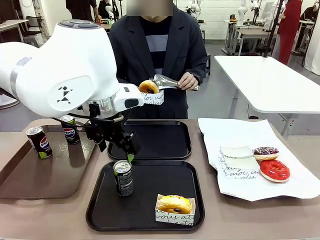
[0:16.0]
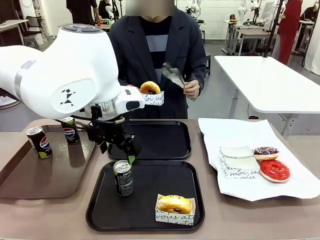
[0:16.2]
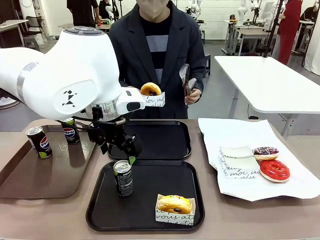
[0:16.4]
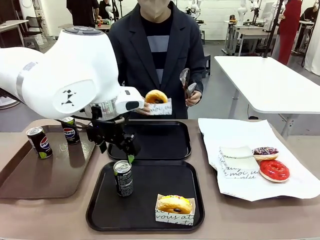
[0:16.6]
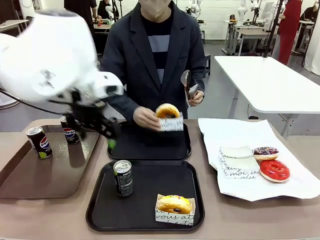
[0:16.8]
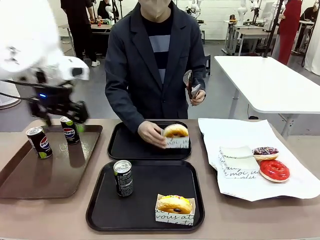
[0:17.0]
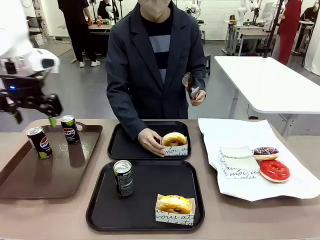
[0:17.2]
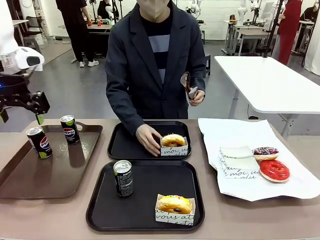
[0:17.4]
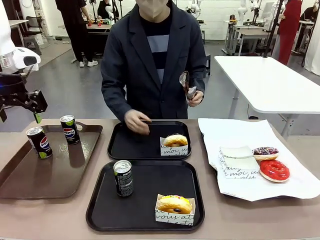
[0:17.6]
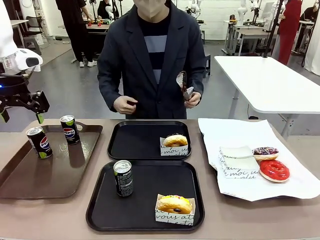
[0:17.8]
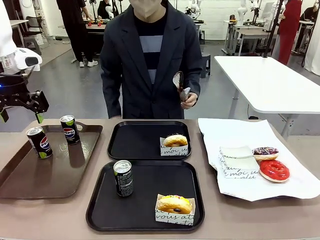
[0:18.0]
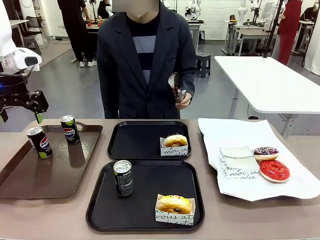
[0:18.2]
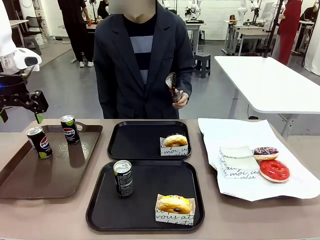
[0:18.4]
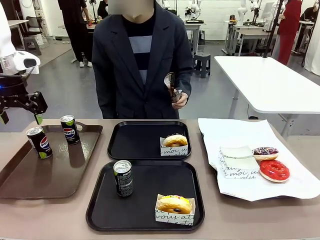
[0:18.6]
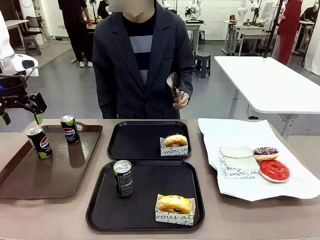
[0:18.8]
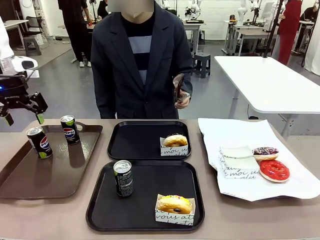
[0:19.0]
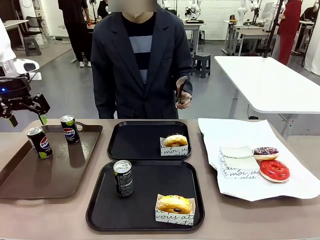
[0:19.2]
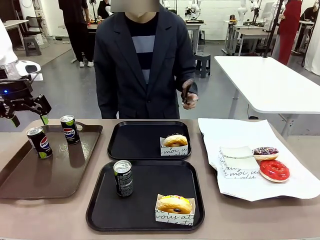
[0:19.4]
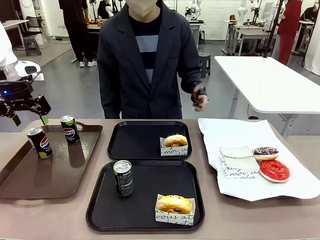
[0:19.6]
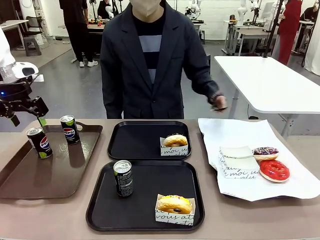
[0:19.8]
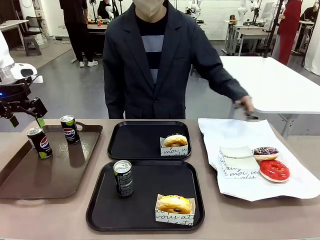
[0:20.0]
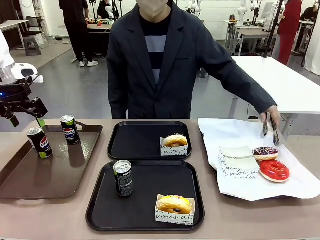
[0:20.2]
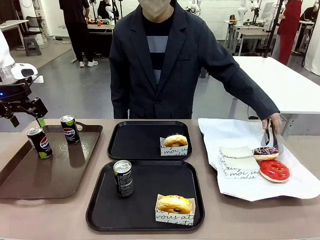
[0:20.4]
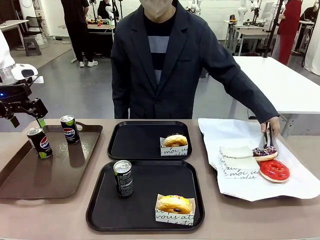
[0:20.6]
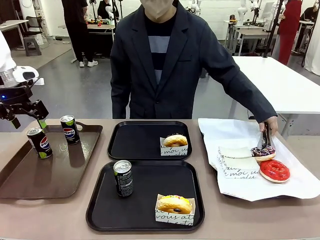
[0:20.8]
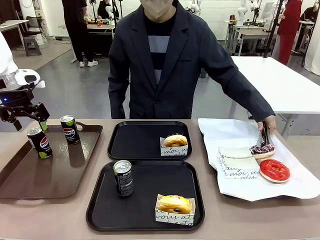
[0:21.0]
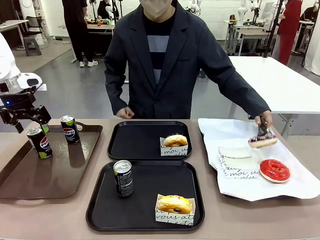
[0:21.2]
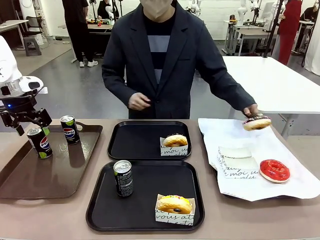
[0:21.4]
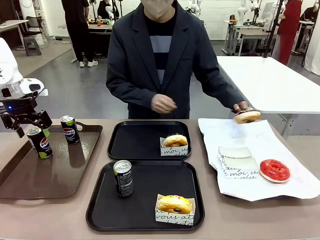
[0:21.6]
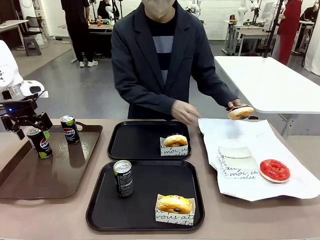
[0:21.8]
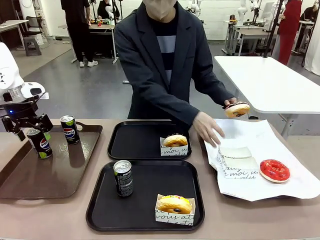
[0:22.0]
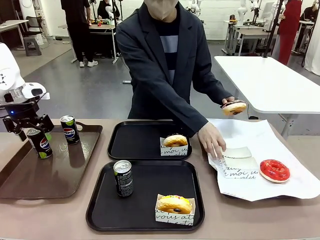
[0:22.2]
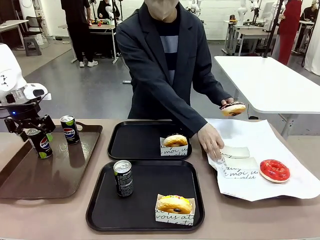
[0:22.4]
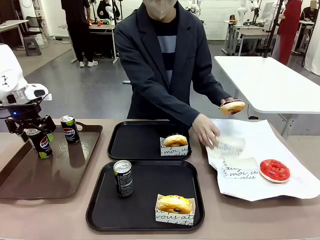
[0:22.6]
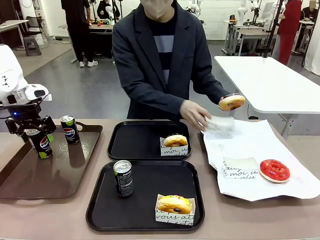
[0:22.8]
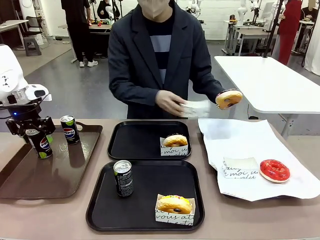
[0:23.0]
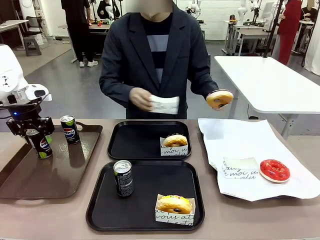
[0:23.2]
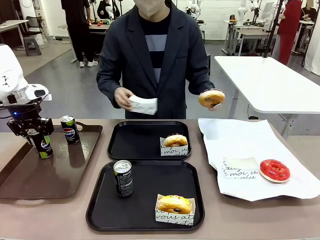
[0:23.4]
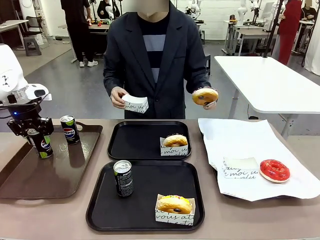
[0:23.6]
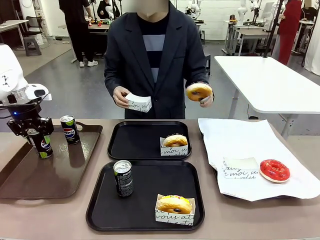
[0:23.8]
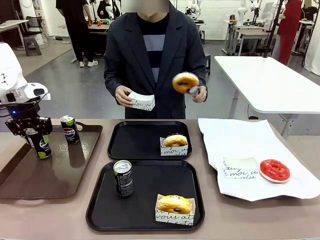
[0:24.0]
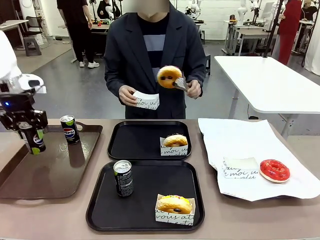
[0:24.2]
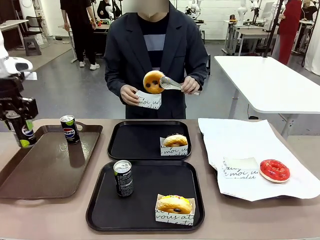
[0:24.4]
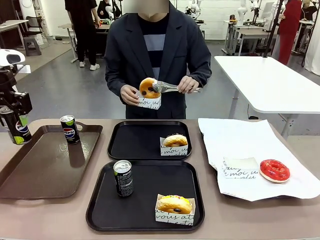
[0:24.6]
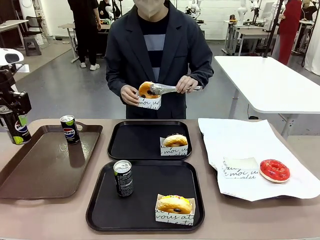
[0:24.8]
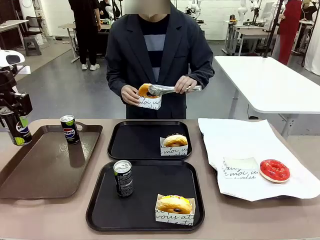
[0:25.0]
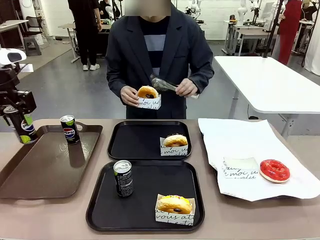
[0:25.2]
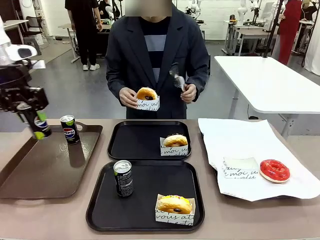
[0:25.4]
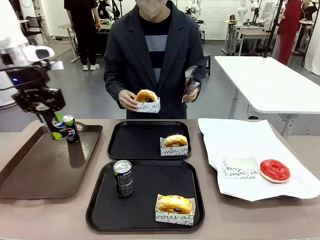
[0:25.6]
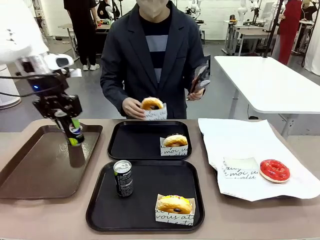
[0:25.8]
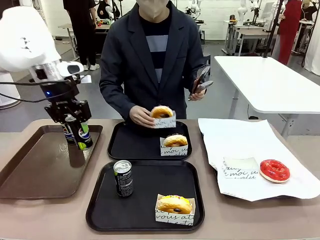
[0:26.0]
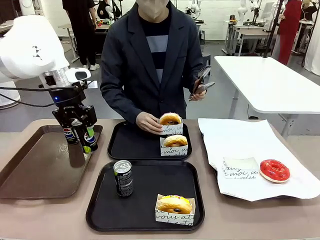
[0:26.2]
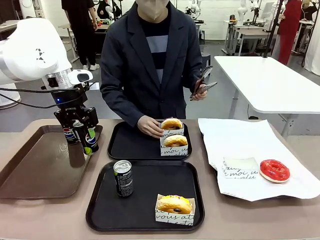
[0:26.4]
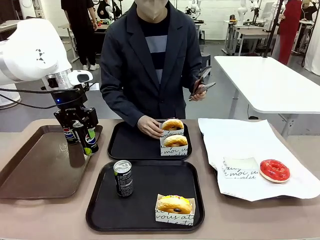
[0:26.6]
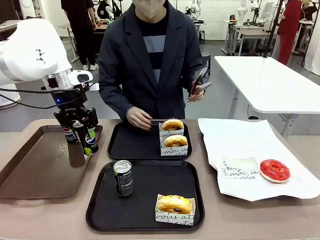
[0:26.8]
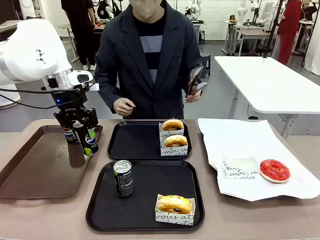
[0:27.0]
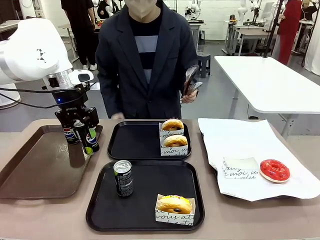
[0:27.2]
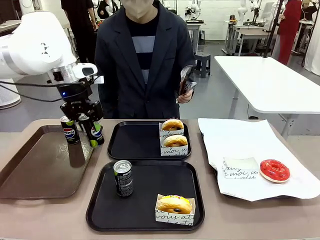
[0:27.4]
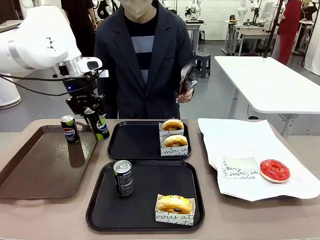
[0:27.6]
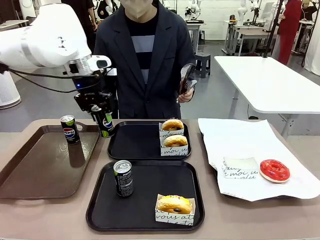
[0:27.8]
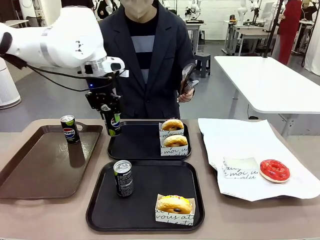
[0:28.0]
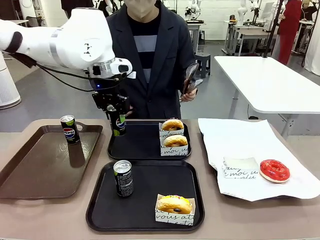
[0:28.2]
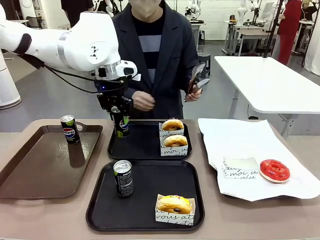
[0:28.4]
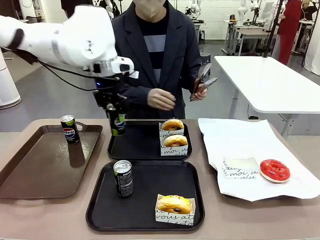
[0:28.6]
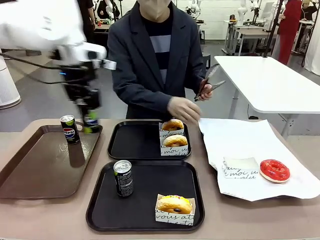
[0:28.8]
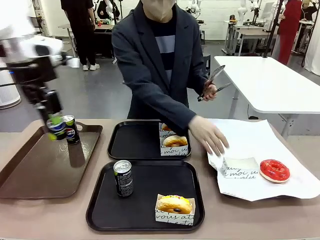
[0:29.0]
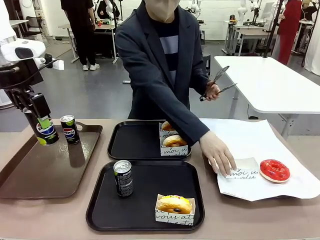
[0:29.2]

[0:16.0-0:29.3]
Task: Set up donuts and drinks on trays.
Robot: Pick up one Pepsi coke from the Handle tray and place it on the Flat Tray without a Pepsi coke.

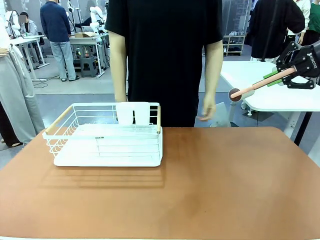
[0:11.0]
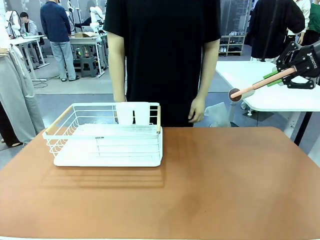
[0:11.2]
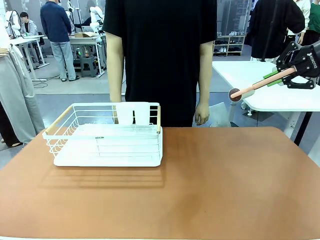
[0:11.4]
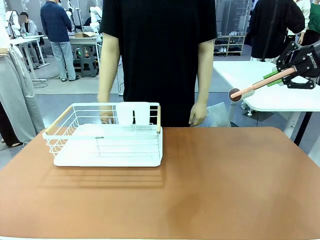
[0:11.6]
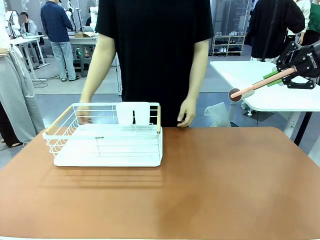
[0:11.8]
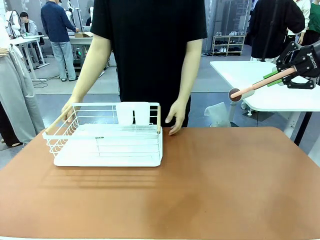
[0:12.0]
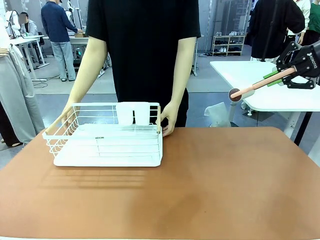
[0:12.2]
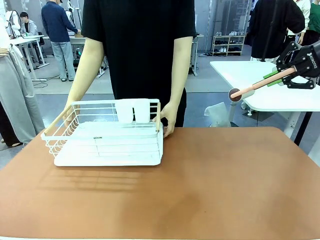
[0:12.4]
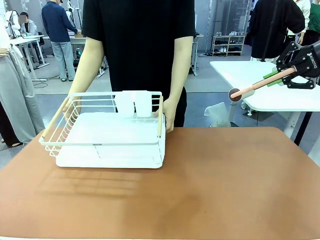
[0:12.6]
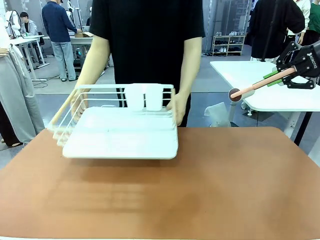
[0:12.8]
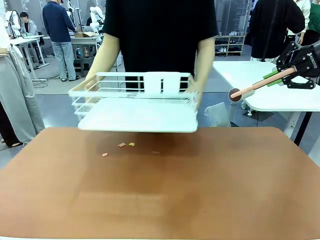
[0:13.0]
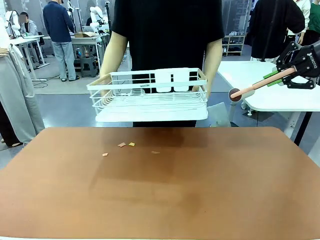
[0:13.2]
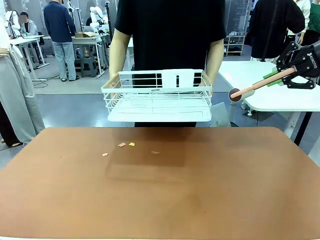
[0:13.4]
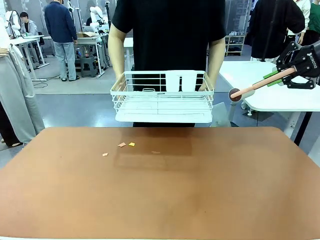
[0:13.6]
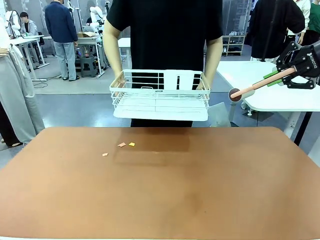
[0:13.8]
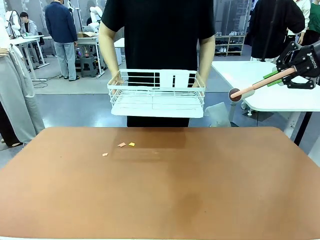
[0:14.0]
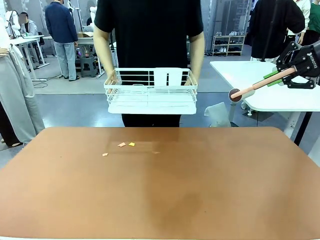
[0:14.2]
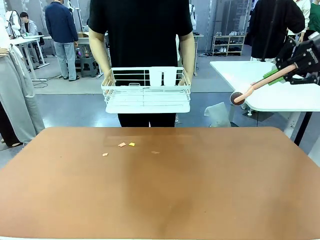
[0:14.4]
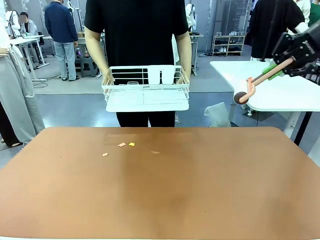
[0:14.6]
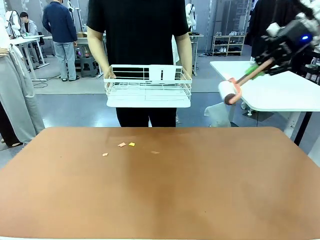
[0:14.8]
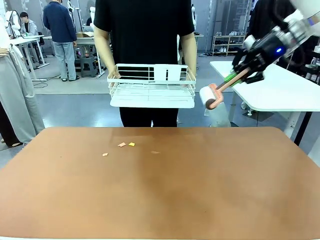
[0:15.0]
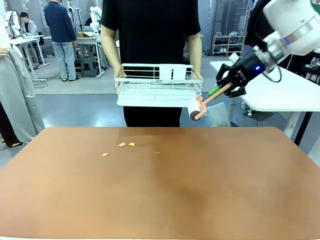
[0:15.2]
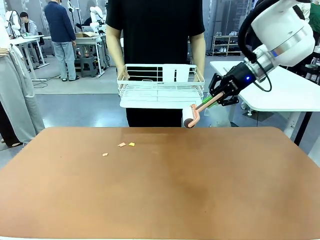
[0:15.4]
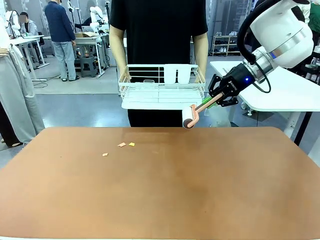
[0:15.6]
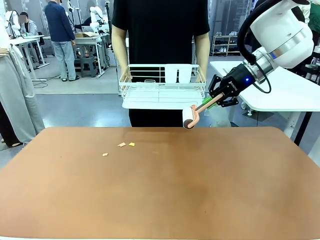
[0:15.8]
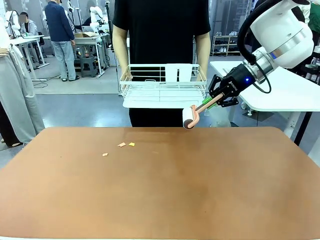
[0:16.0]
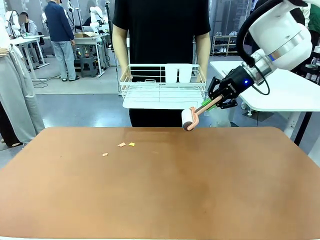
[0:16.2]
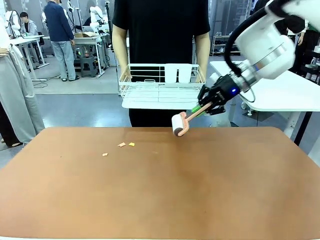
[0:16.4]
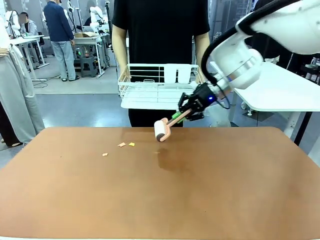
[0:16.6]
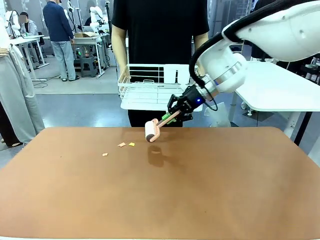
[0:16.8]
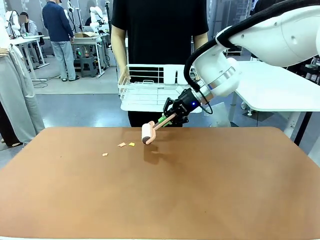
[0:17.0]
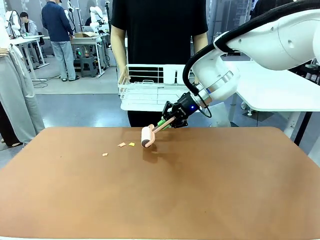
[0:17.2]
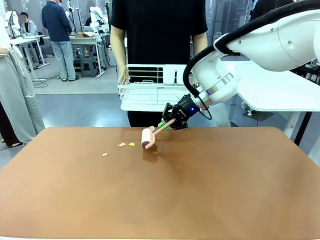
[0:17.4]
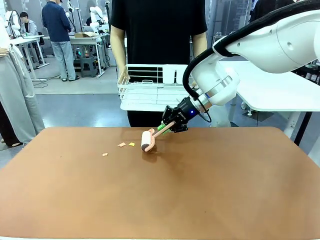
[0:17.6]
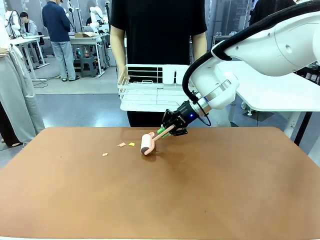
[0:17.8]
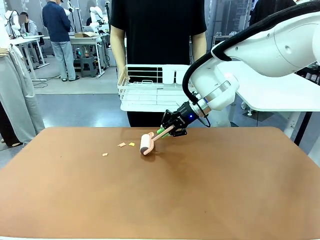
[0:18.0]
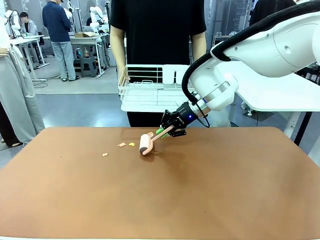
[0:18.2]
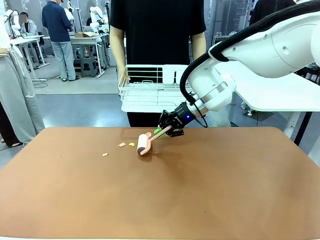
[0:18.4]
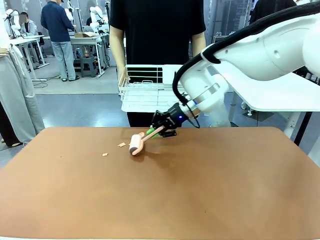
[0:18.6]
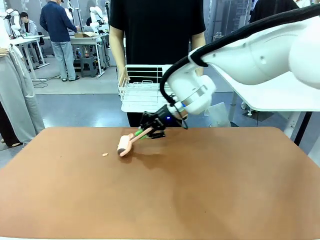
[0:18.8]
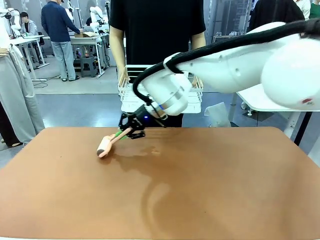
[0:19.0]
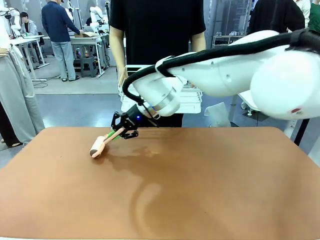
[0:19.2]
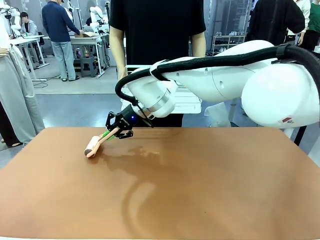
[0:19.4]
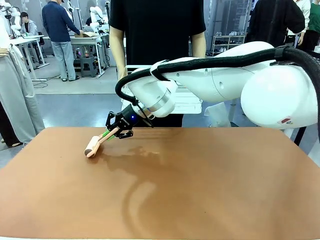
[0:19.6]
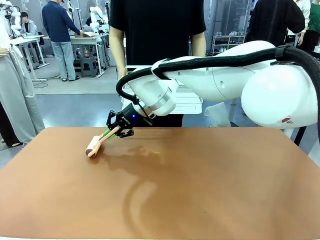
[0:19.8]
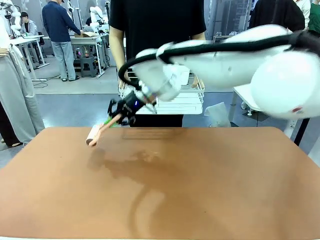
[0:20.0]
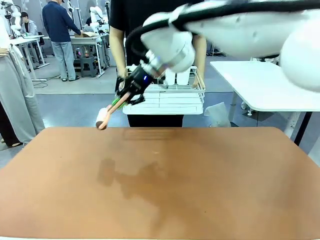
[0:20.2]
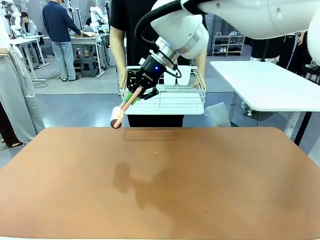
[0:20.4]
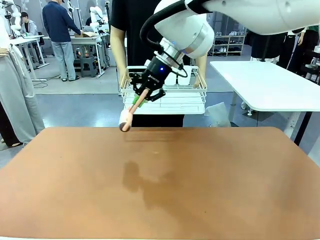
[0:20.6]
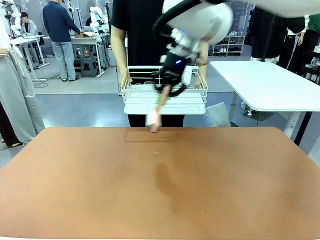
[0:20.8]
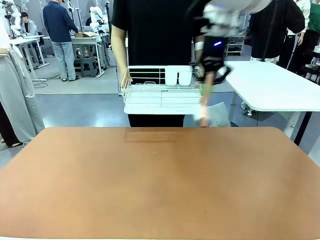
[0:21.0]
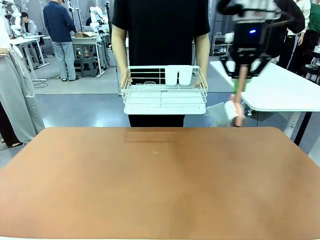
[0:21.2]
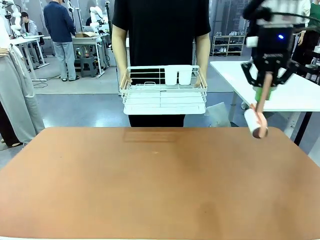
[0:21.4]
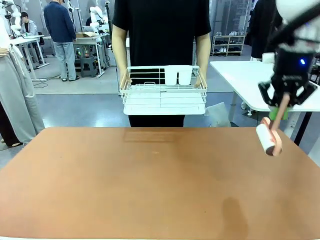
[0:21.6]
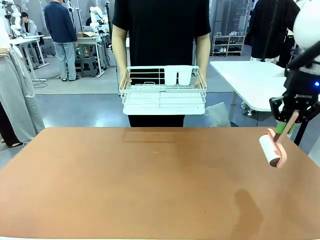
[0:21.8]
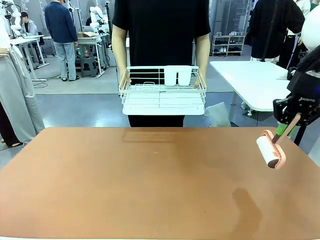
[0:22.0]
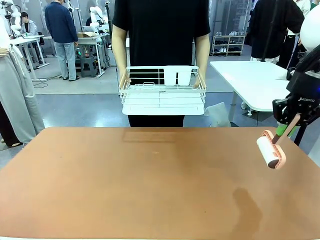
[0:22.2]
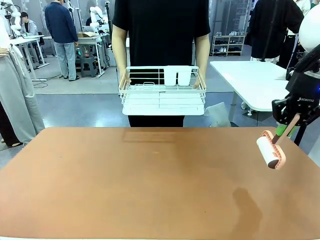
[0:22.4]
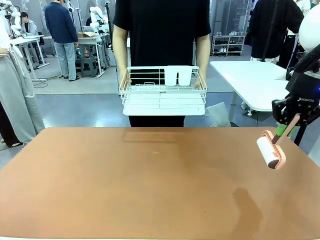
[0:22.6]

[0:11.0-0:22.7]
Task: Clean the table.
Robot: Clean the table with the Lint Roller when the human lifts the Dish drying rack.
Person: Place the Dish drying rack down when the robot finishes cleaning.
